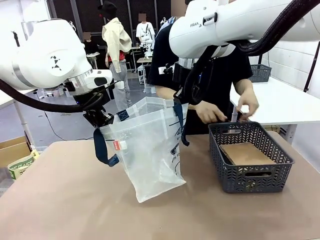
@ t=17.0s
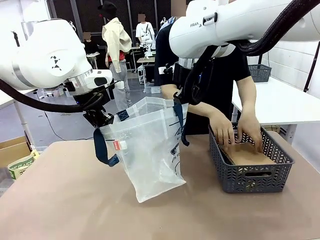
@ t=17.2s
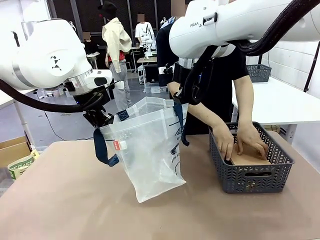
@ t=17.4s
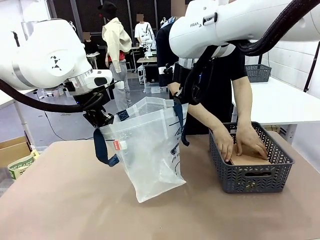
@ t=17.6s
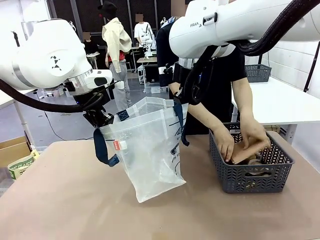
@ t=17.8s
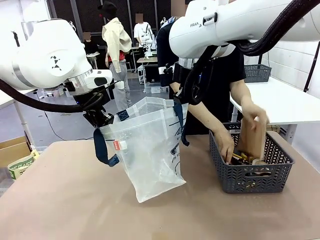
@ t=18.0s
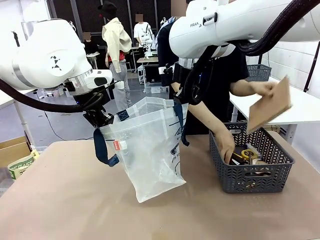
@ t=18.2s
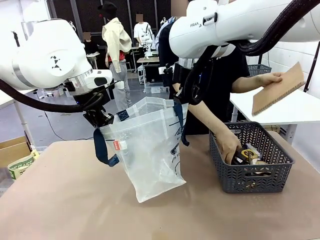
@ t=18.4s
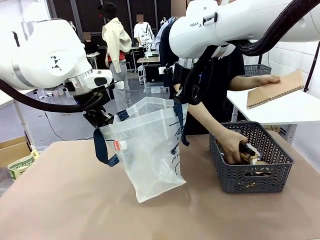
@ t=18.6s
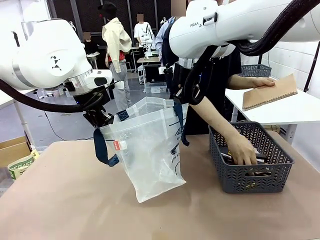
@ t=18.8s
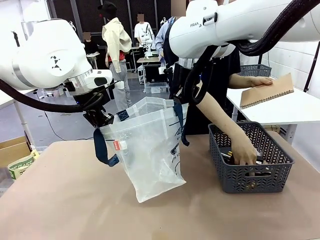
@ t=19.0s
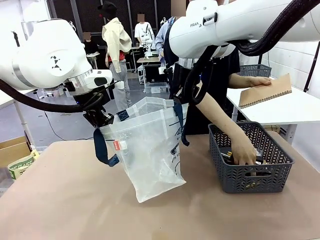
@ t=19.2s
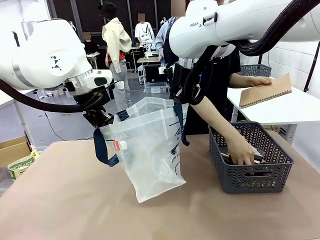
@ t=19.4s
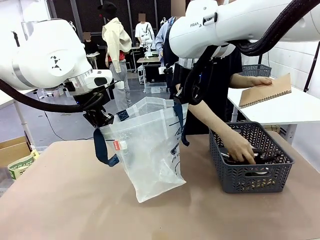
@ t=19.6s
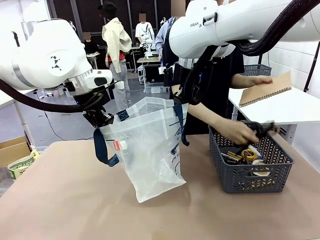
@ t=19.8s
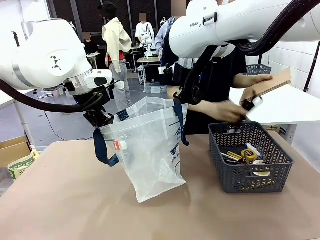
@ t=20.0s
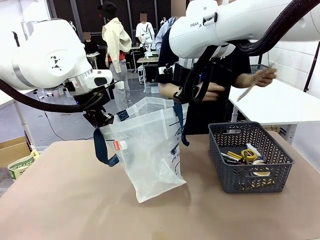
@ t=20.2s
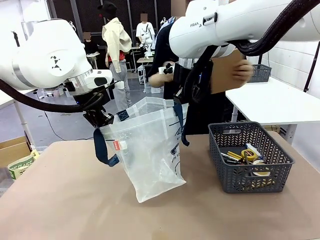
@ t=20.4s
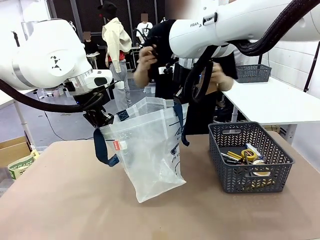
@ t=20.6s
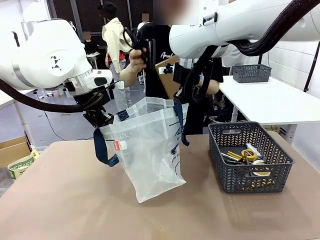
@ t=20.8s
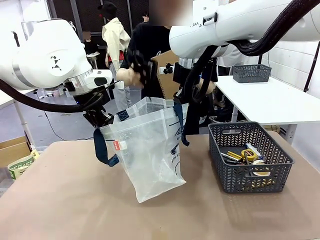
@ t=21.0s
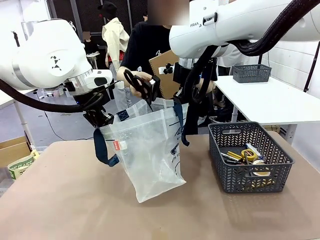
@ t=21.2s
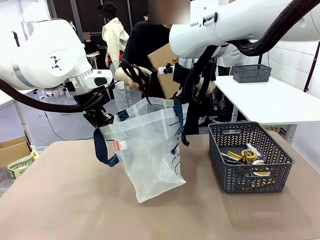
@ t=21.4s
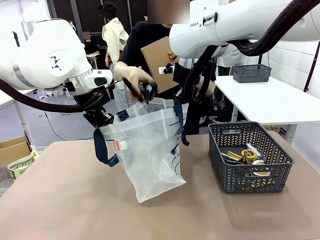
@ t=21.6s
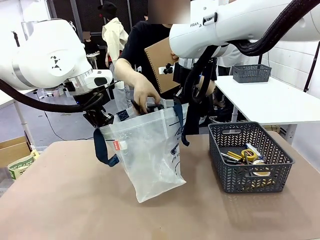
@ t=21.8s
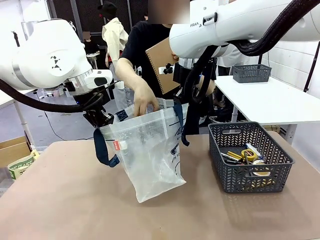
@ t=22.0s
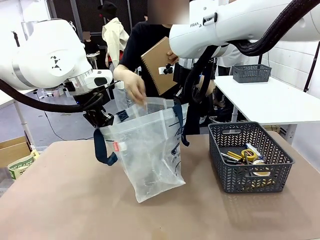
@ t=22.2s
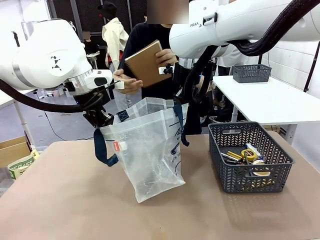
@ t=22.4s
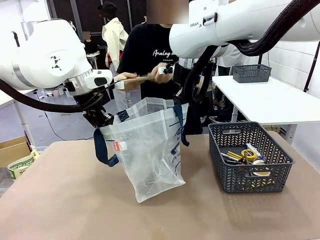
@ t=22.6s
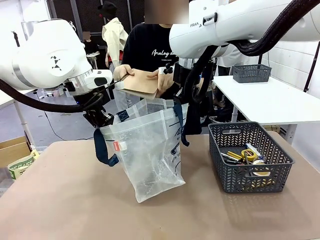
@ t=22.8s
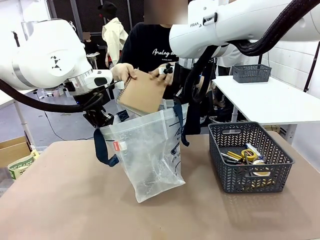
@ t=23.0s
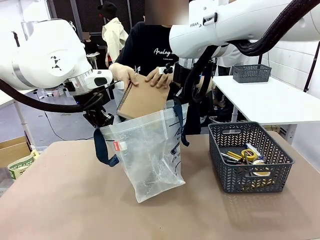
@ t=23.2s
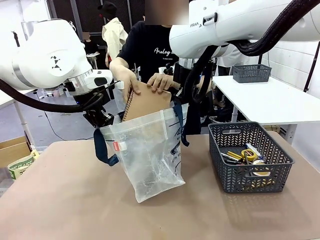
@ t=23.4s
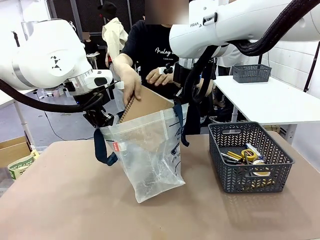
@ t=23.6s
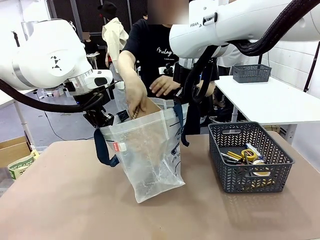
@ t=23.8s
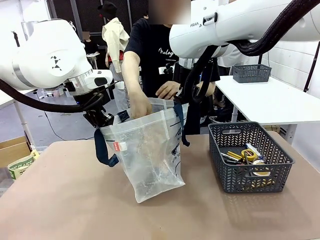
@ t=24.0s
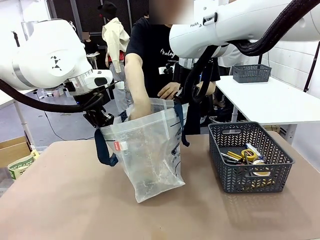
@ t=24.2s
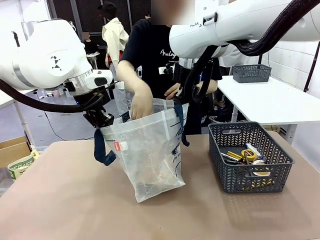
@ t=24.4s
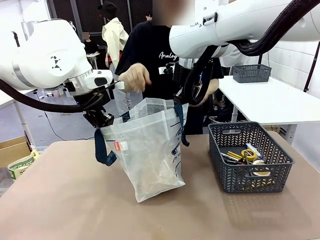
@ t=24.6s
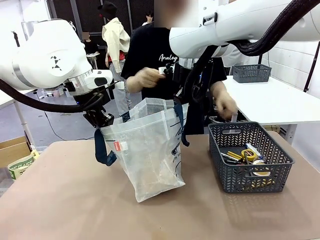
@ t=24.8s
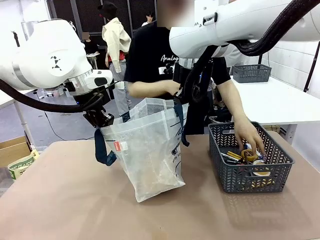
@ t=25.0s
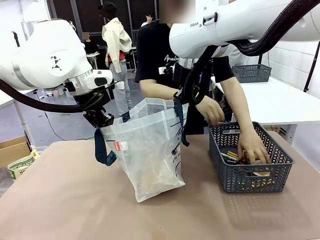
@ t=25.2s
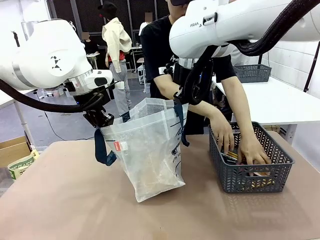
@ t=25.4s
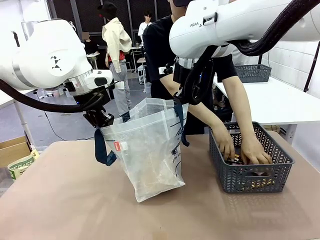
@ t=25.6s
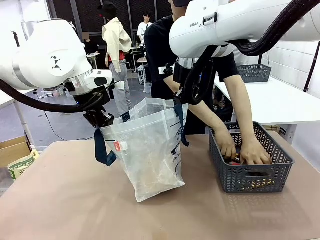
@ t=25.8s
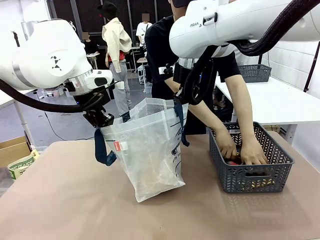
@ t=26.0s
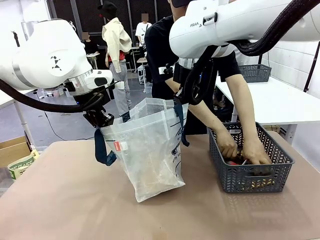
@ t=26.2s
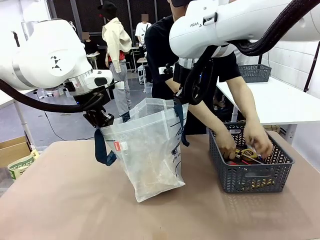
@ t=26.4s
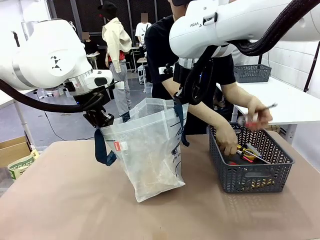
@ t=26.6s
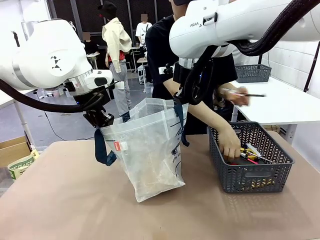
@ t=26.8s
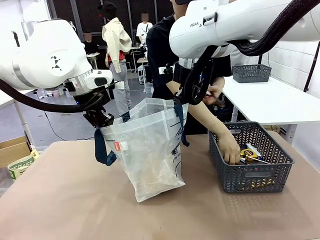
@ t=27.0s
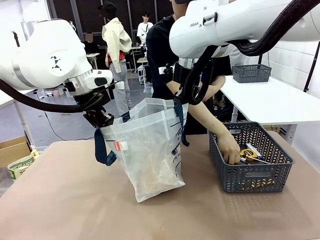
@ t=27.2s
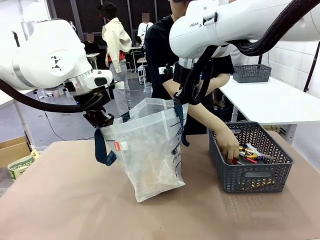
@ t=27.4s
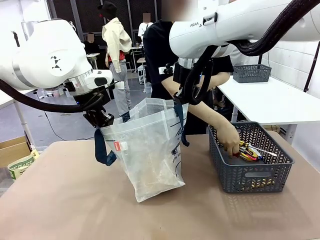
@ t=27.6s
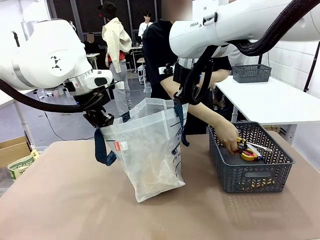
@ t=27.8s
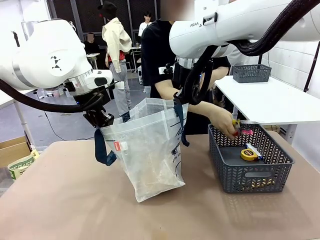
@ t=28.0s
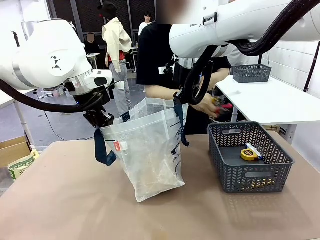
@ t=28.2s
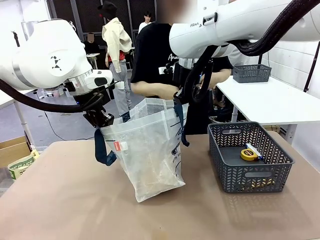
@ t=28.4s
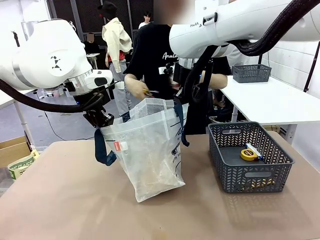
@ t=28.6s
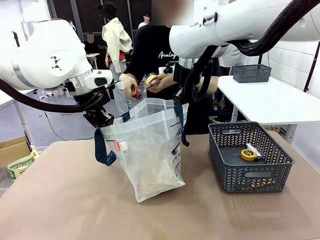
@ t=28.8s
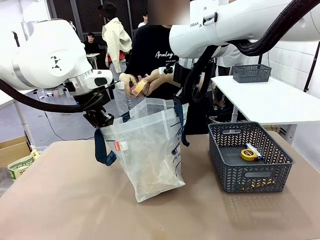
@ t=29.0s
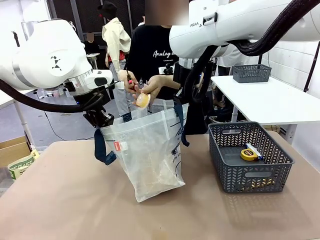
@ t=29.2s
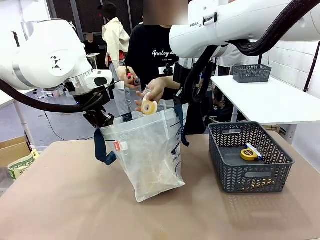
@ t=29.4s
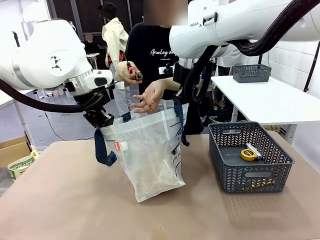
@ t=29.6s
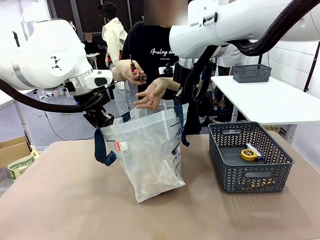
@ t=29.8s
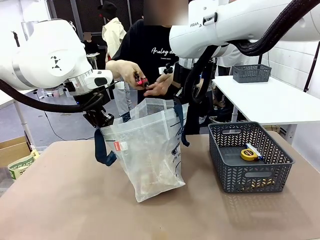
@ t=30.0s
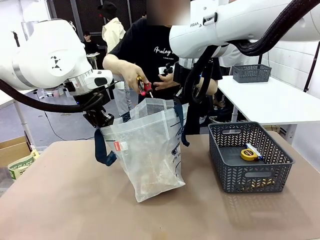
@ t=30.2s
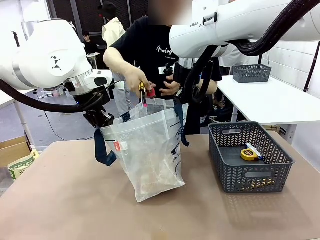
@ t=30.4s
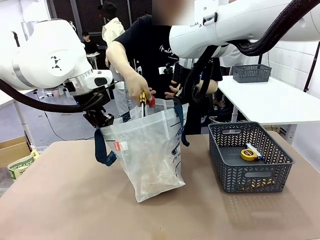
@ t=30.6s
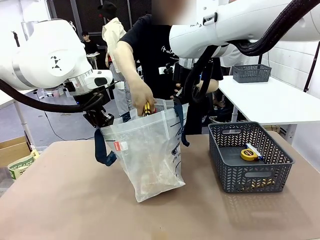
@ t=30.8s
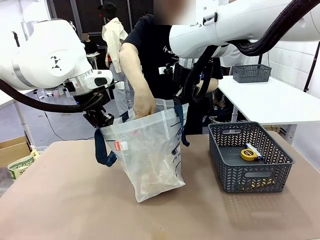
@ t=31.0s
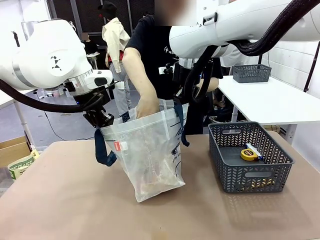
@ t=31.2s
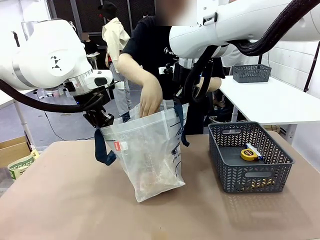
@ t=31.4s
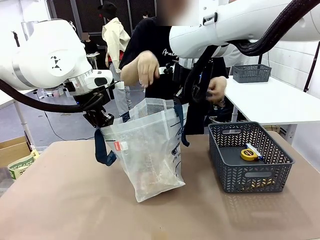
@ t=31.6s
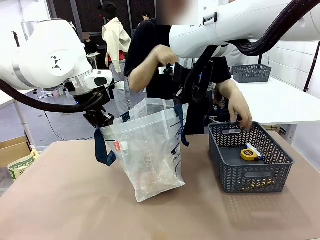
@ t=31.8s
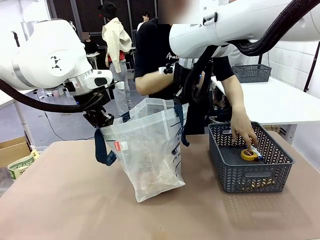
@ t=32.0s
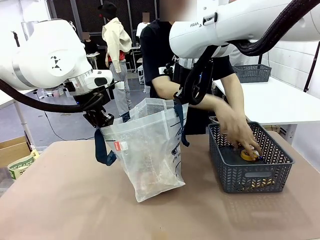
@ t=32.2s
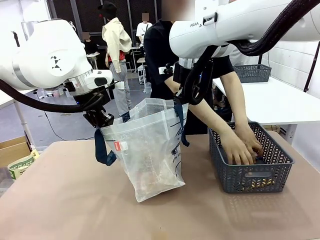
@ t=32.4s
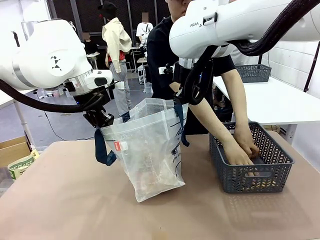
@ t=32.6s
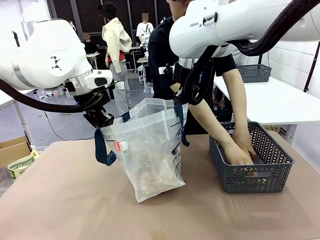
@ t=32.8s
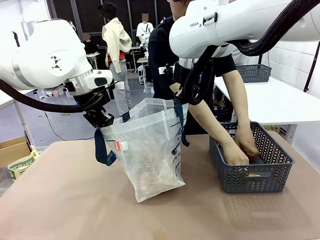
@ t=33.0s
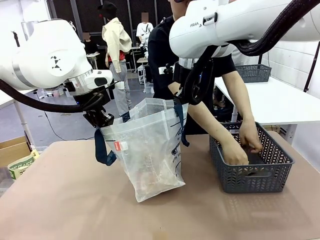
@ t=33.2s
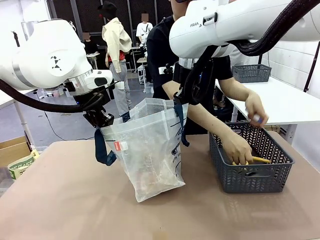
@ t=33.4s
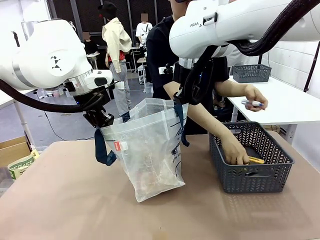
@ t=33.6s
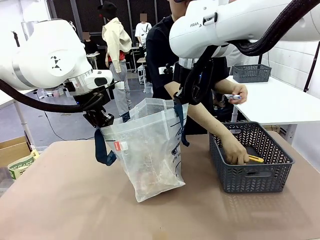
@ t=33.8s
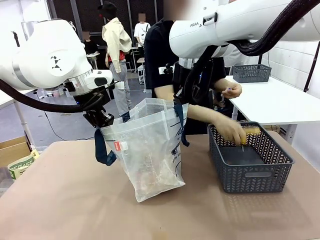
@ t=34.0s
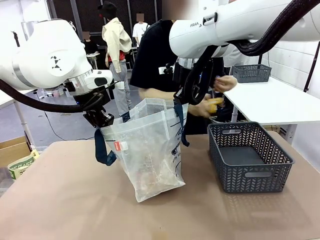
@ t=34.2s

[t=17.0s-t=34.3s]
Task: Transfer purchased items from the store into the shopping bag.
Robot: Move the Reusable shopping bag to the right side of the table.
Person: Pick up the basket on the right, place it on the left side of the robot table, and move the items in the basket to the shopping bag.
